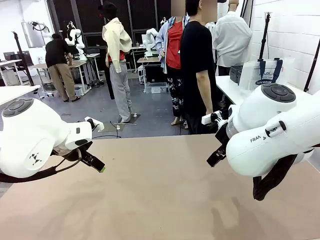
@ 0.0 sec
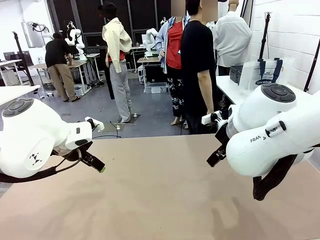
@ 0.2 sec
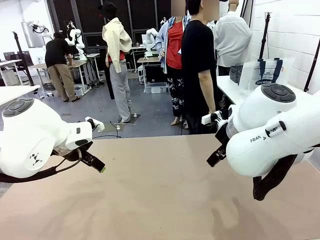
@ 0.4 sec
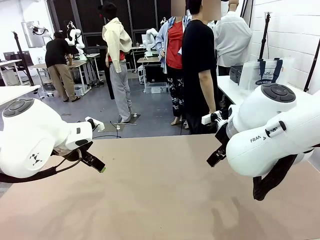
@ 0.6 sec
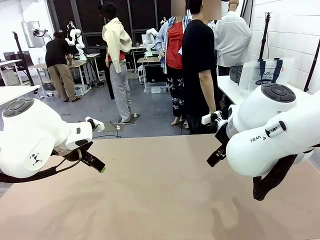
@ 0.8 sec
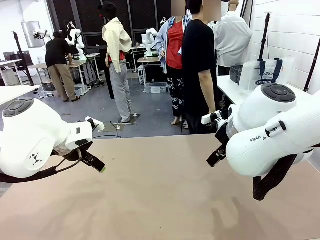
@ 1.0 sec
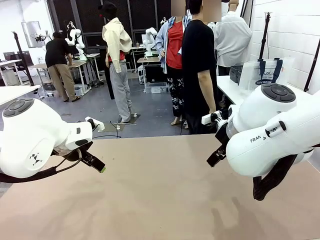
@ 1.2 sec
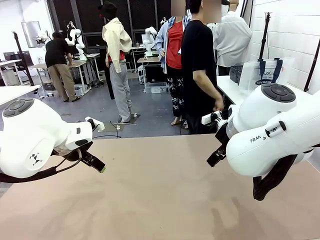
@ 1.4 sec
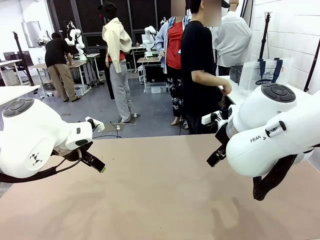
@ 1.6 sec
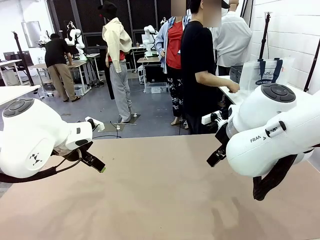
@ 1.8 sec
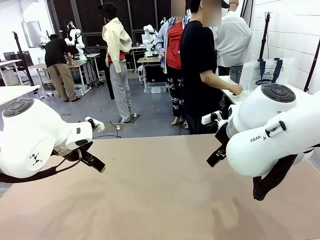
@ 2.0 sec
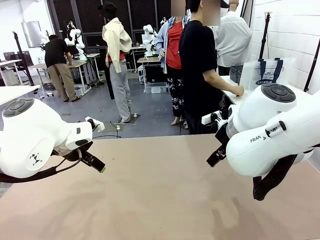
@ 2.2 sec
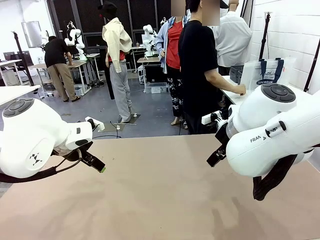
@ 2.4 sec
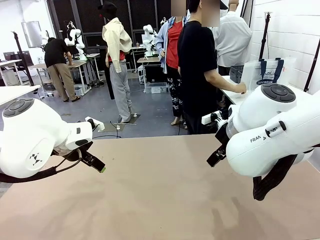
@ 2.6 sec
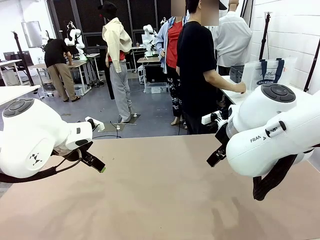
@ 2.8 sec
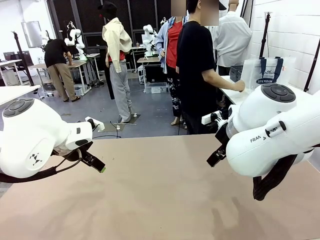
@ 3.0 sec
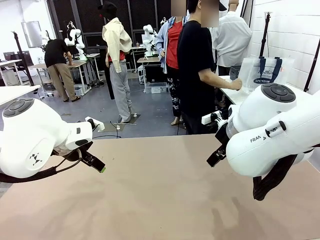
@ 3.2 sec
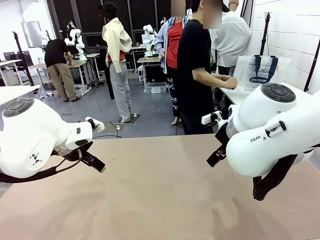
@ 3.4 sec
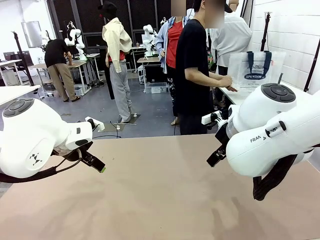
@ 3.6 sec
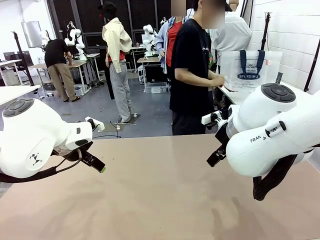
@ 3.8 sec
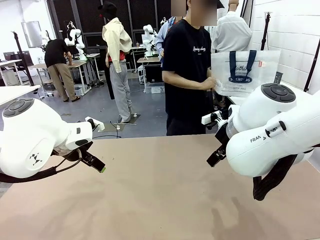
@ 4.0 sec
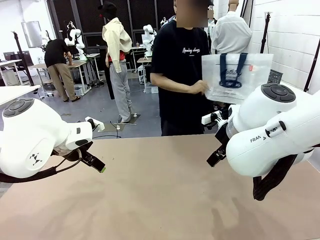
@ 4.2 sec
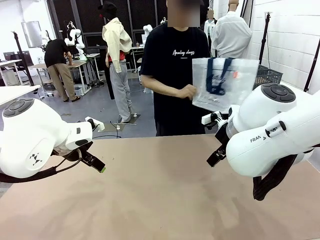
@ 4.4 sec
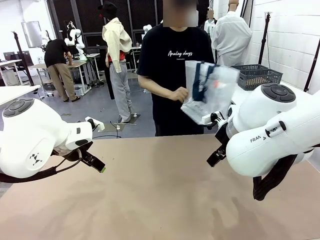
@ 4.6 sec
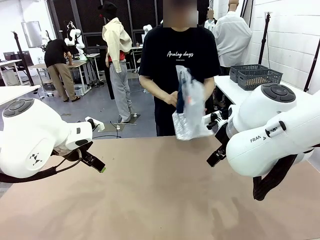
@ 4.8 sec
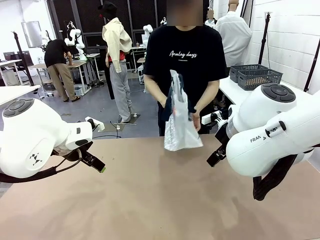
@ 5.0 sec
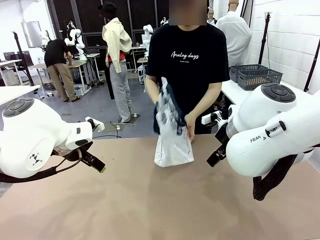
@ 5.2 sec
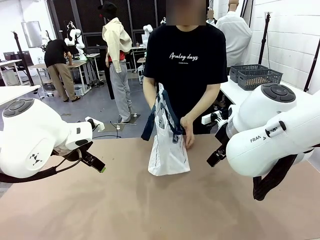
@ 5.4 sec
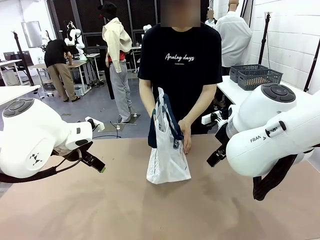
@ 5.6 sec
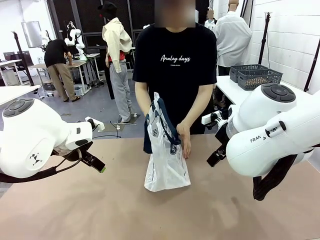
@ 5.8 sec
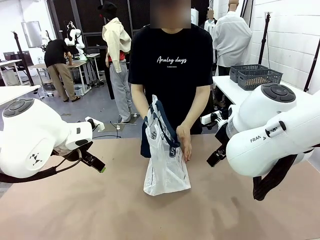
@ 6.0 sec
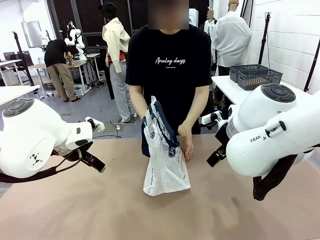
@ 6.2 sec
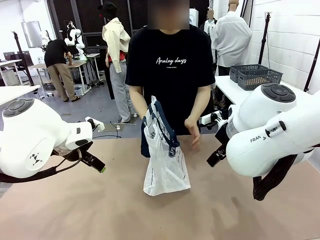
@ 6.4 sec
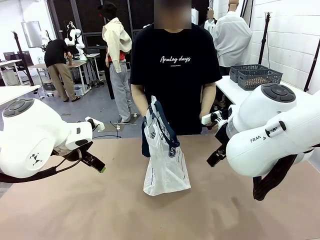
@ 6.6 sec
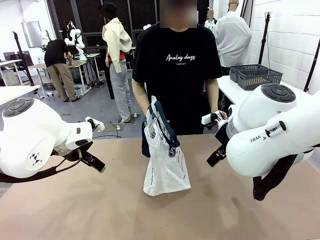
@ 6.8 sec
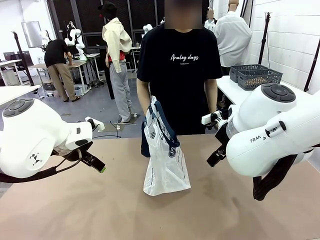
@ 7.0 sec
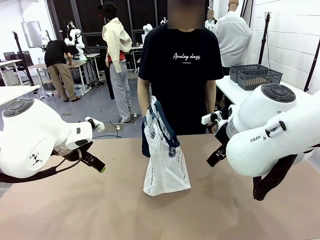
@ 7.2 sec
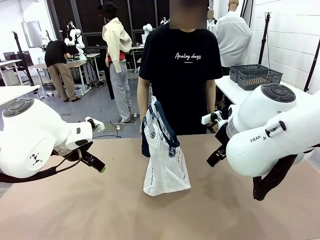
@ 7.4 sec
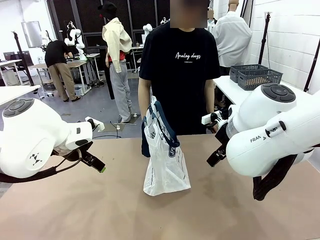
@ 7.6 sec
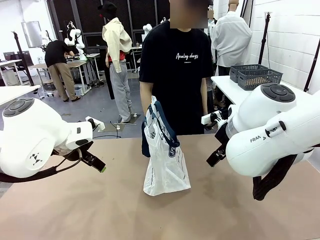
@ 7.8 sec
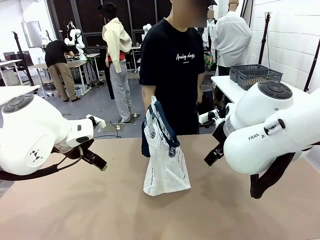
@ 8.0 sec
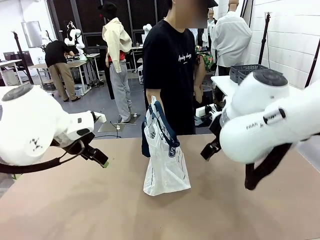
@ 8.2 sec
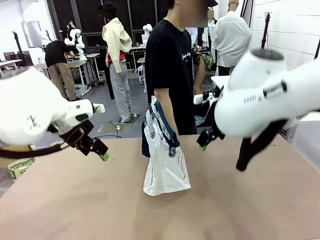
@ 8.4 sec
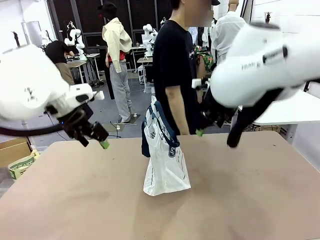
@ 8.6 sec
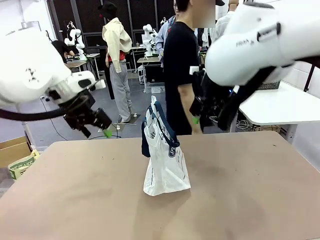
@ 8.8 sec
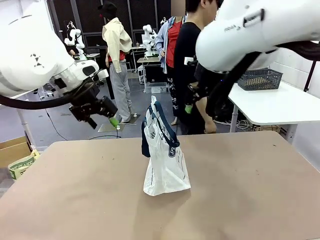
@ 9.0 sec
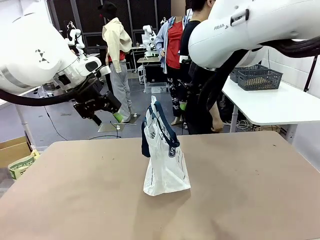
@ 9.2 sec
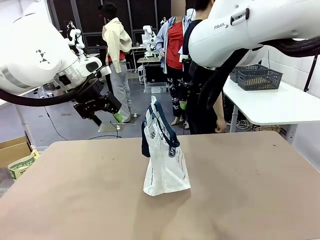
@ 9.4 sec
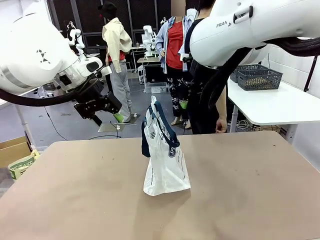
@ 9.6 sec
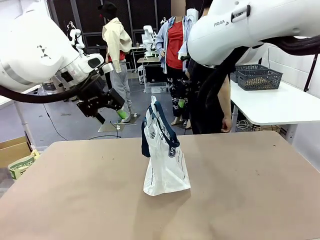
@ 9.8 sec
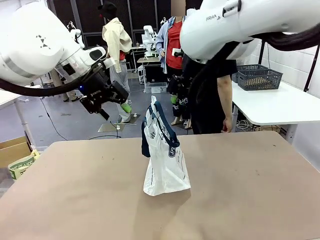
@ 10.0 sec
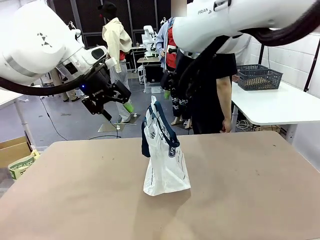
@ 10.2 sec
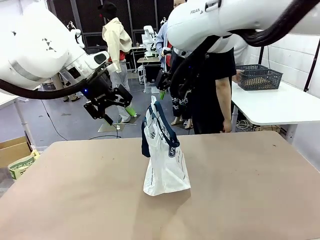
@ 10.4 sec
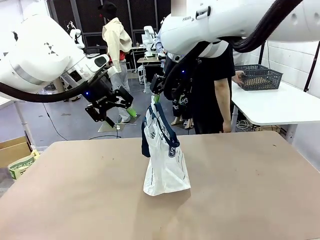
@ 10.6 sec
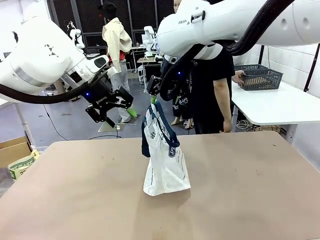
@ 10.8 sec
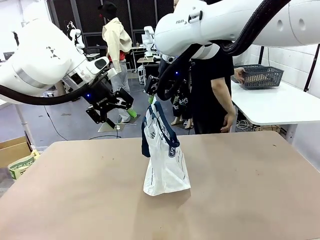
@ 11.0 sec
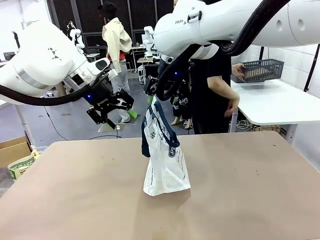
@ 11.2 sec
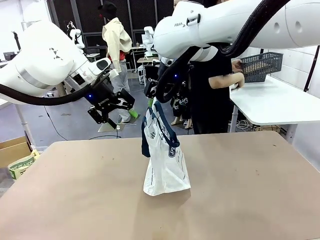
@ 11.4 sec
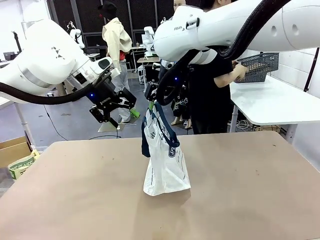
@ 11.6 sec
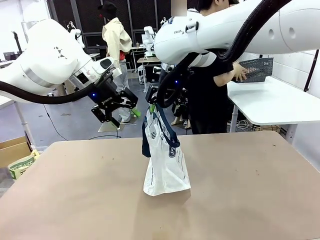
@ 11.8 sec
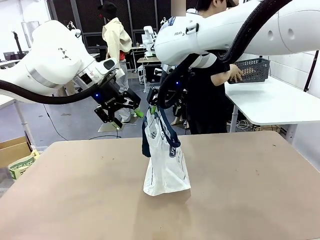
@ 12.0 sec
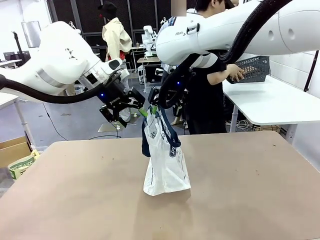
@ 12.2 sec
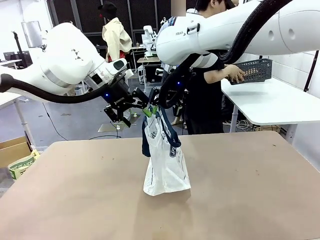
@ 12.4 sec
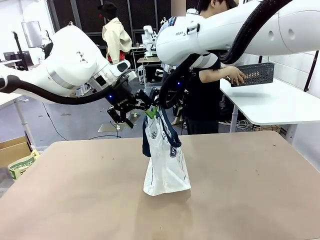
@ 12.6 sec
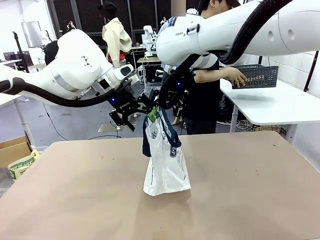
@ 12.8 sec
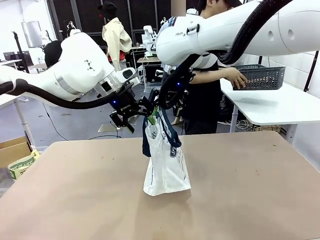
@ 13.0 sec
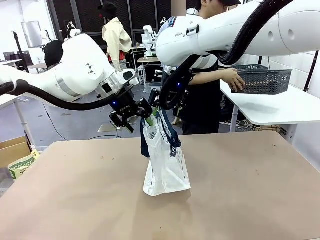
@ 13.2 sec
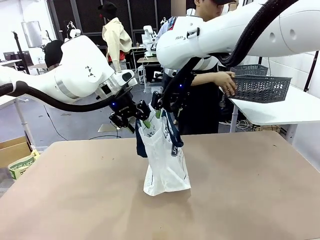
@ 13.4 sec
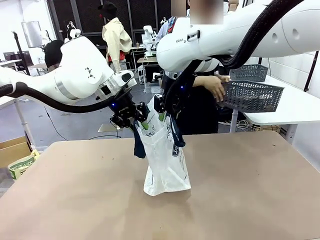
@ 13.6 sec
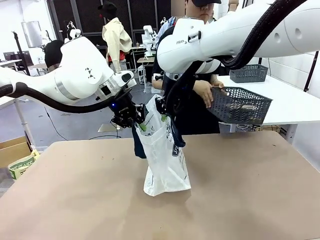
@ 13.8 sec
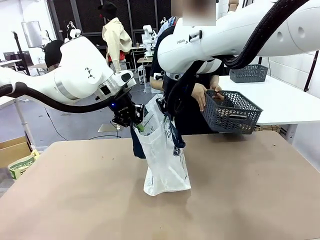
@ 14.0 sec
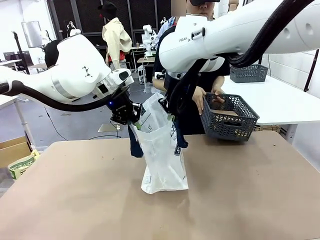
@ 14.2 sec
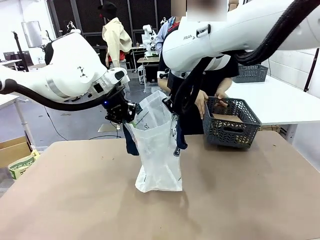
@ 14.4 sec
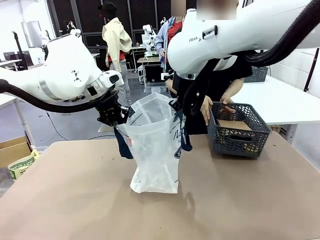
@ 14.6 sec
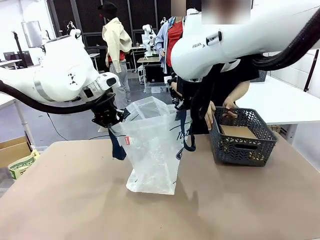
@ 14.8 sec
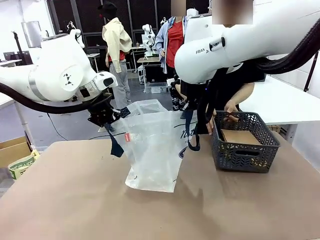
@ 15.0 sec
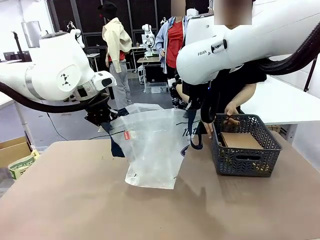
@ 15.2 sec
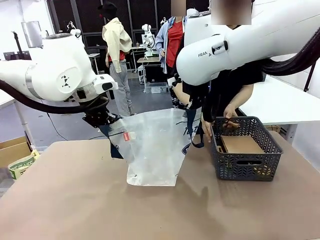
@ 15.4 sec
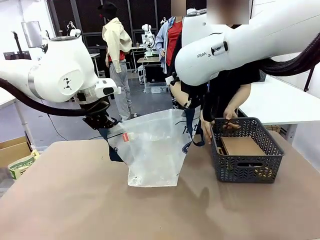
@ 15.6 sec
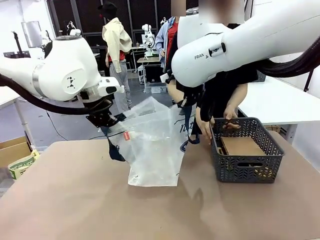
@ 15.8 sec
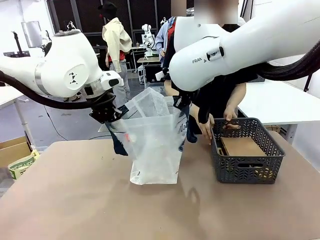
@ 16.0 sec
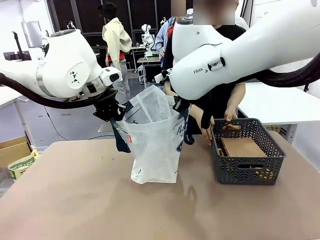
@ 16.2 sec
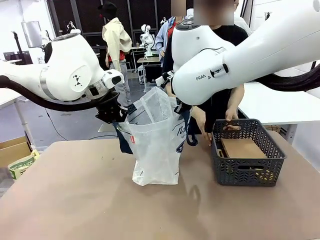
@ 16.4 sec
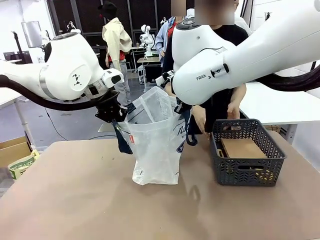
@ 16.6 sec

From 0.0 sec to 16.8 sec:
Task: Transfer purchased items from the store into the shopping bag.
Robot: Open the Reusable shopping bag in the center of the table.
Person: Pick up the shopping bag and place it in the middle of the robot table.
